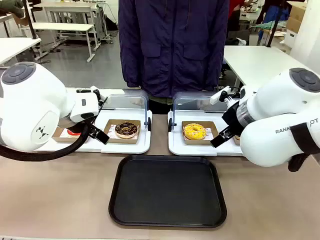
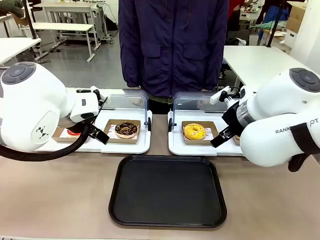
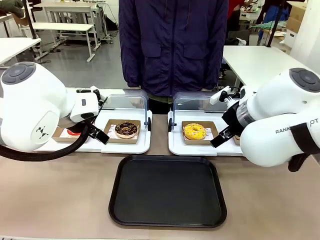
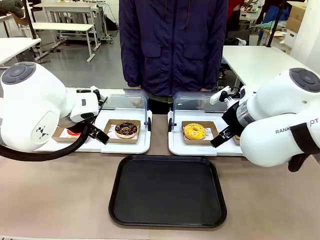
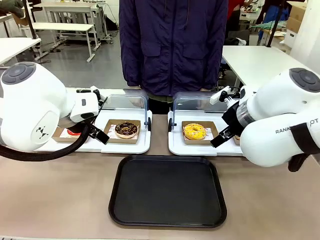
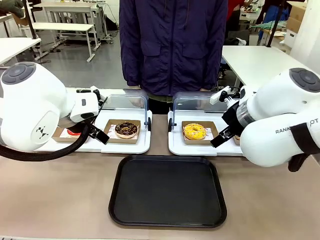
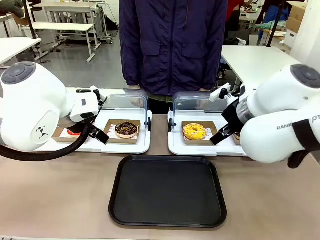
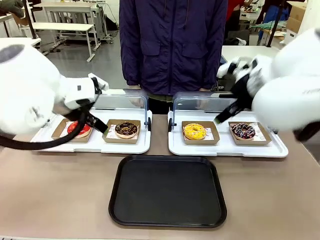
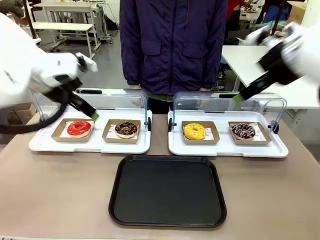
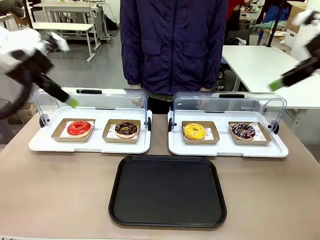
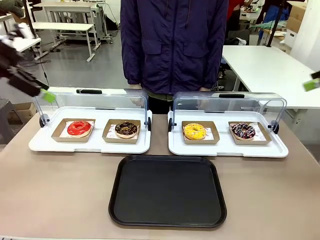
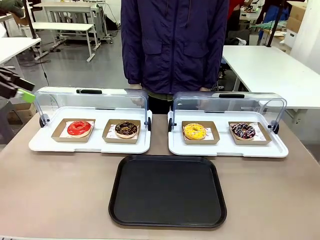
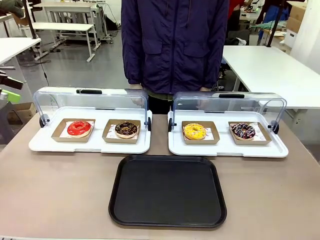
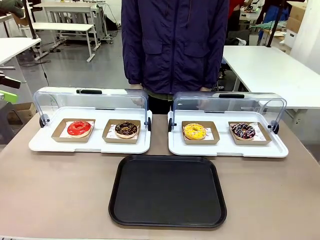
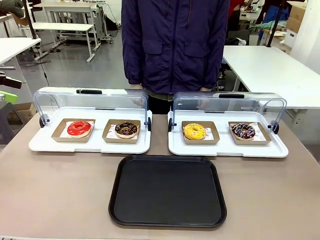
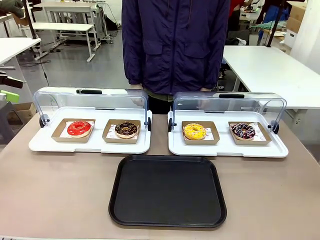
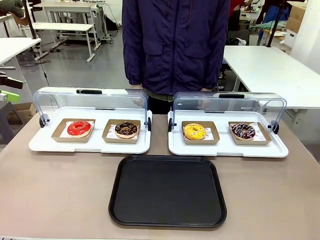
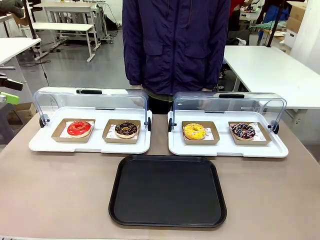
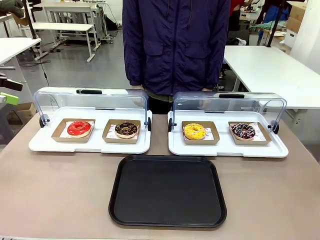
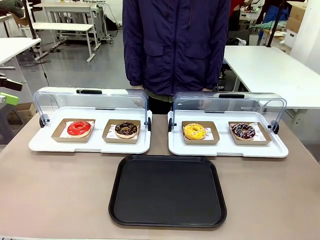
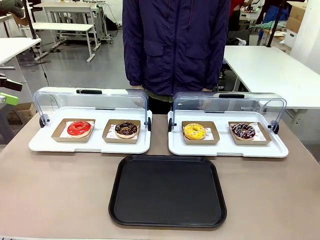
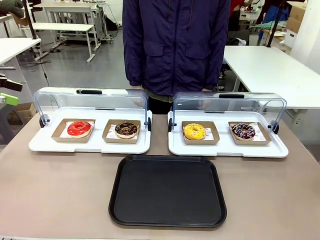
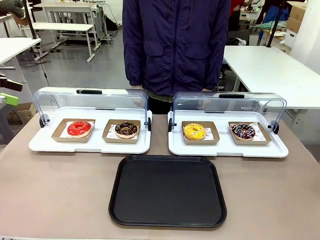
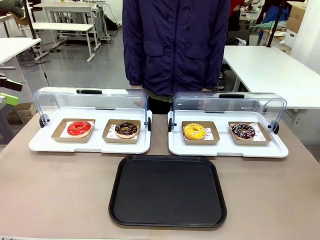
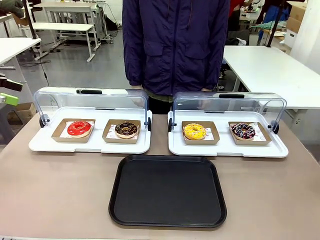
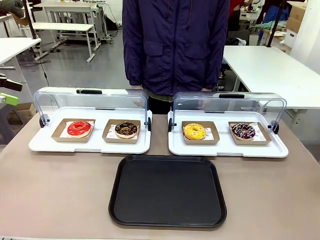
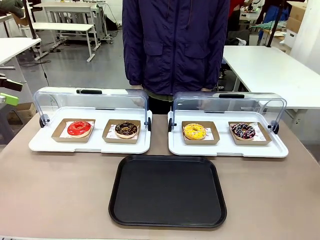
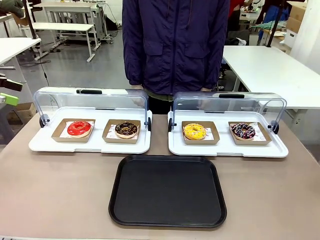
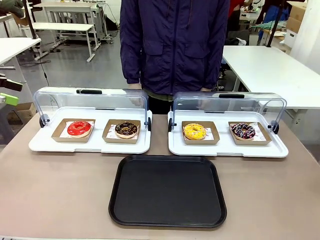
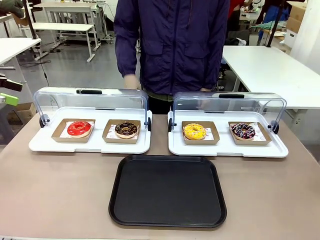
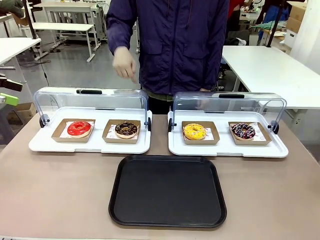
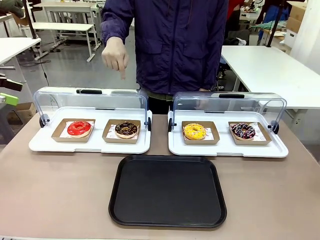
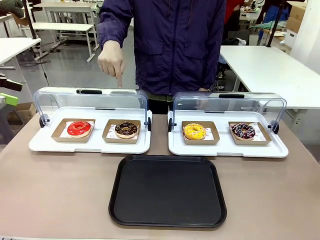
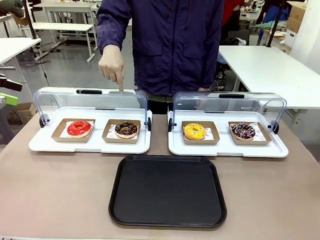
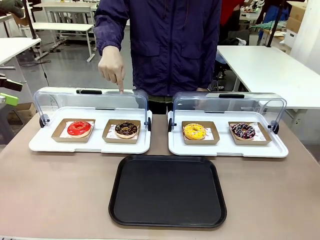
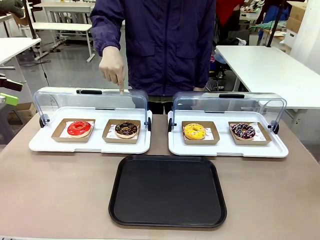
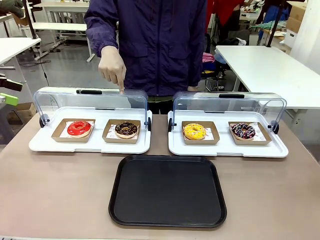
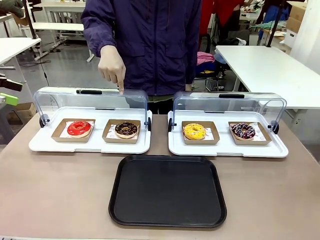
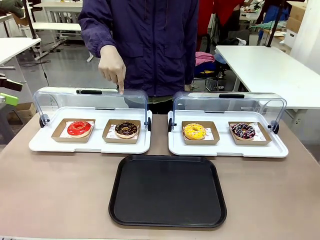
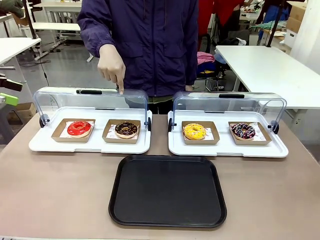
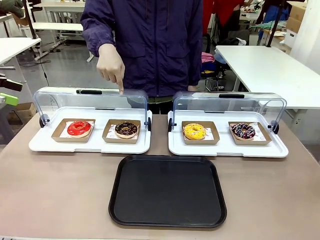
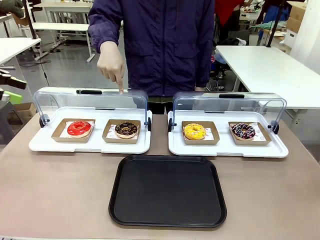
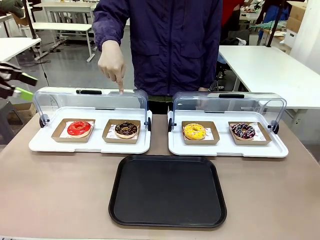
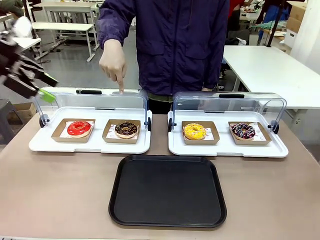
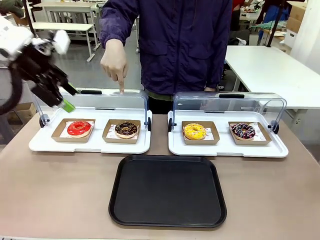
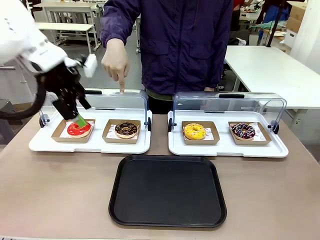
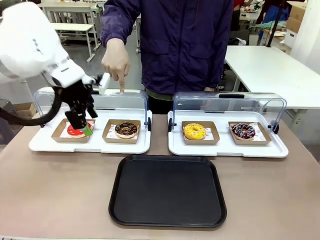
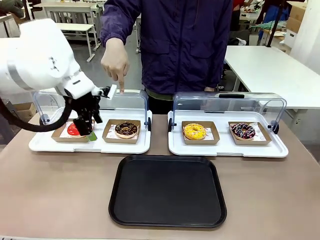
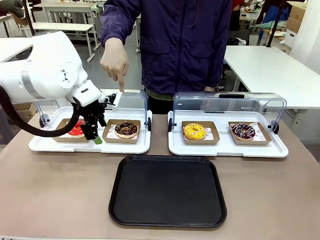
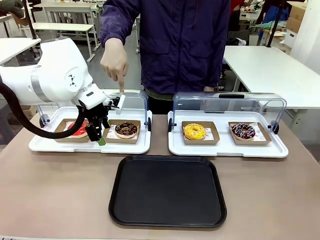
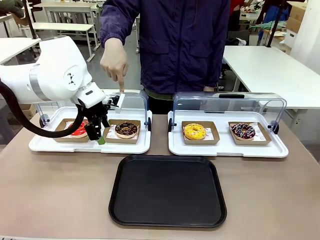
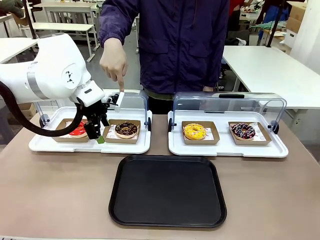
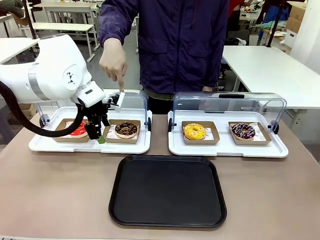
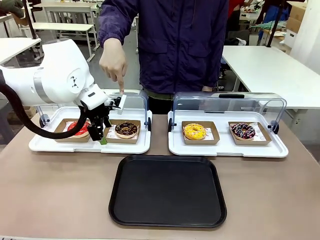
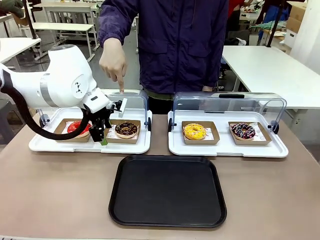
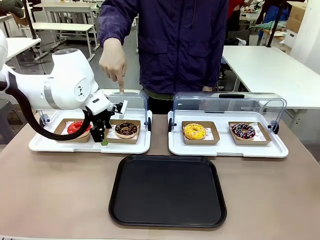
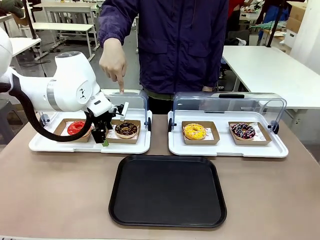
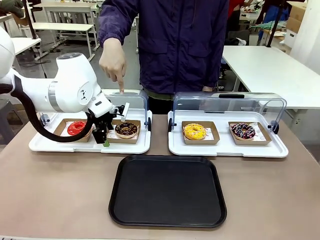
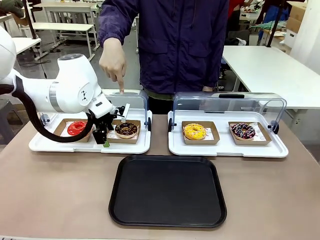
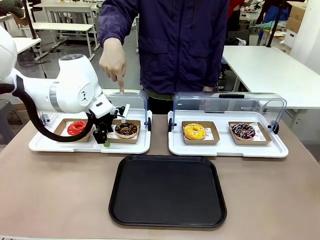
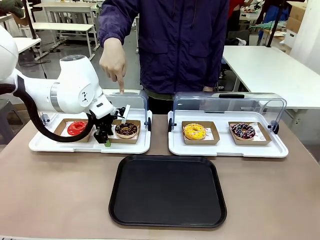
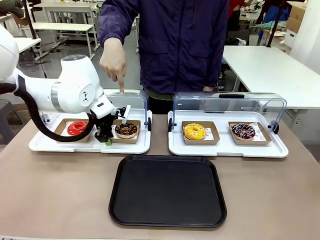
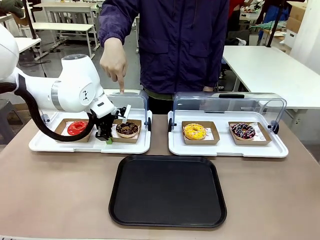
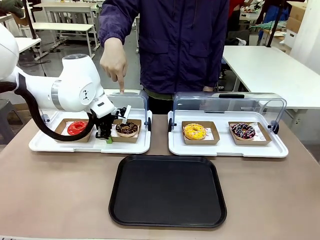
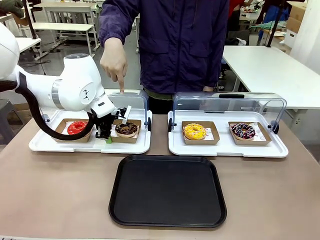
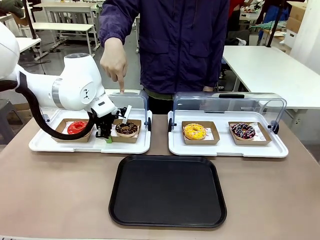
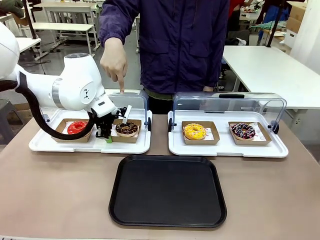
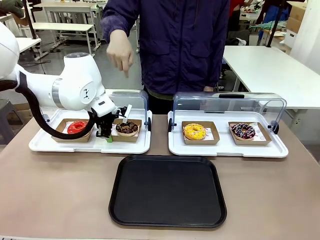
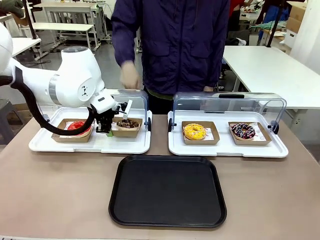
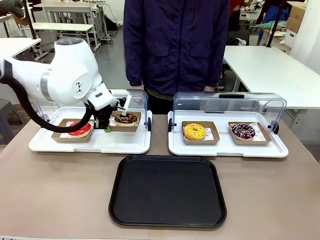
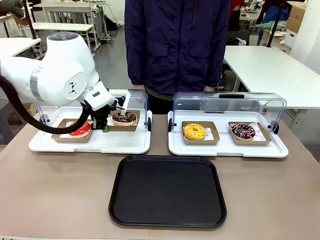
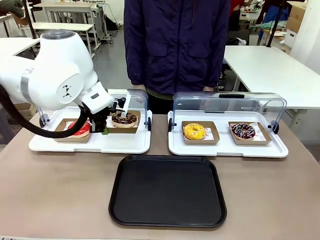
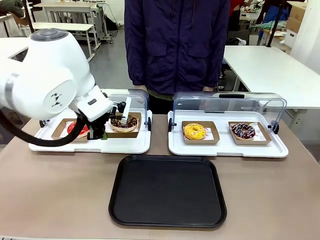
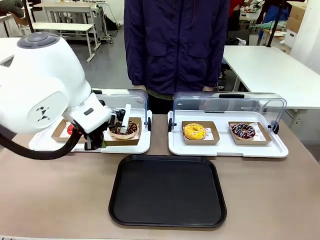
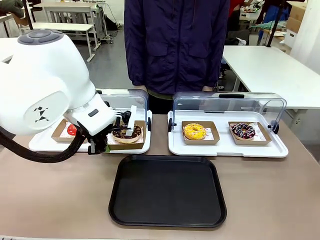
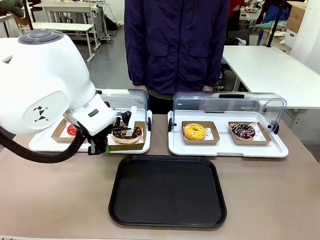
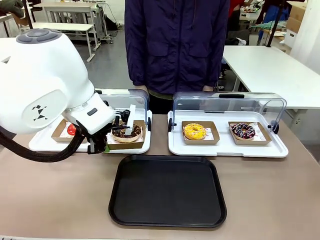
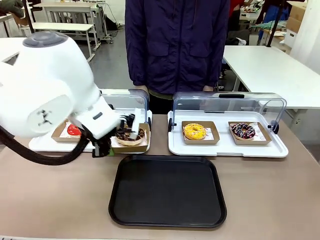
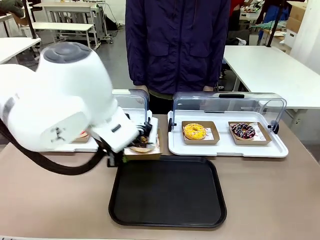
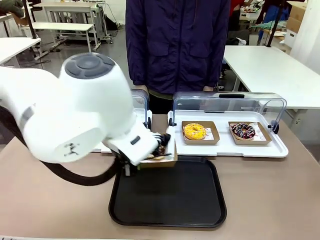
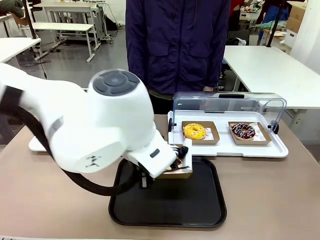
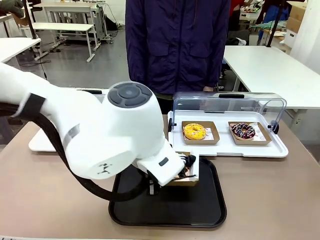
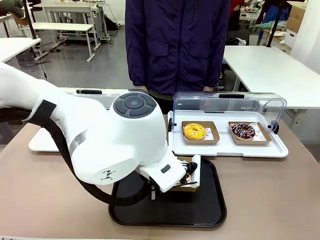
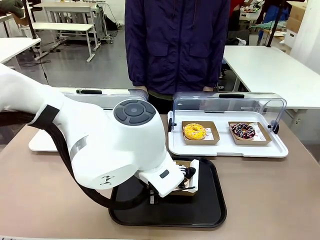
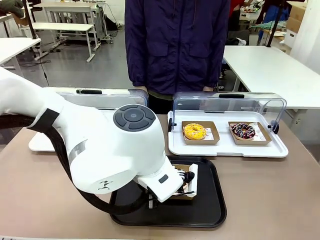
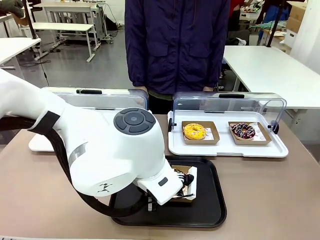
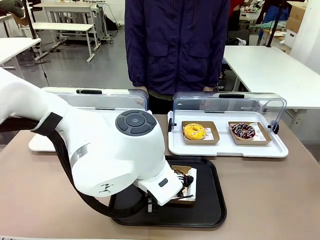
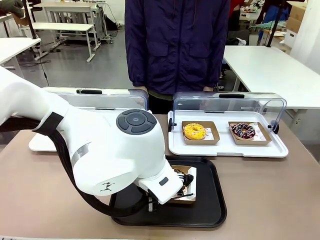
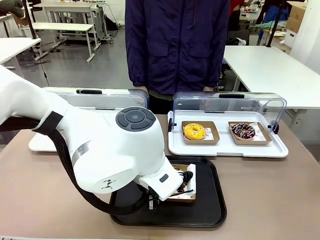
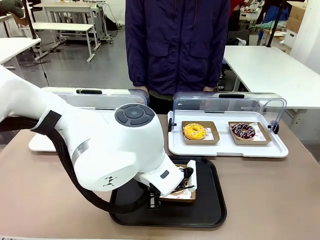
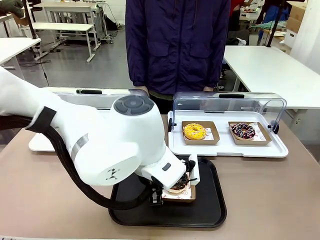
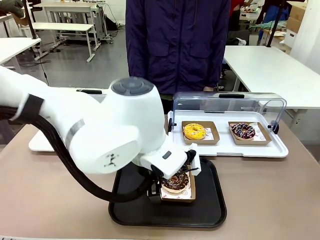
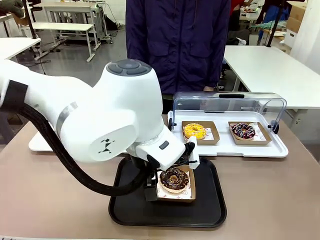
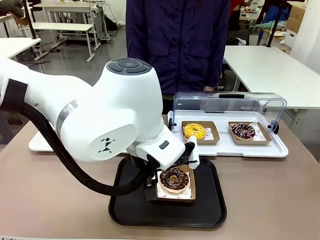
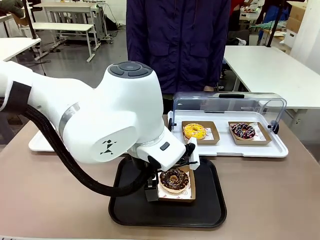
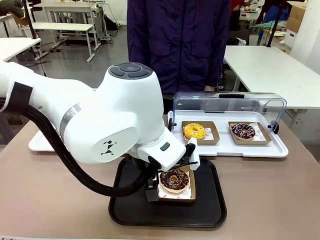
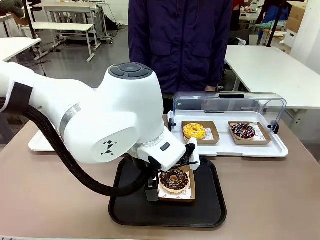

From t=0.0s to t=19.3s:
Task: Move the second donut from the left to the tray.
Robot: Pick up the Paper togo box containing the Donut indicated by the person and place it on the Handle tray.
Person: Points to the second donut from the left from the robot’s perspective.
